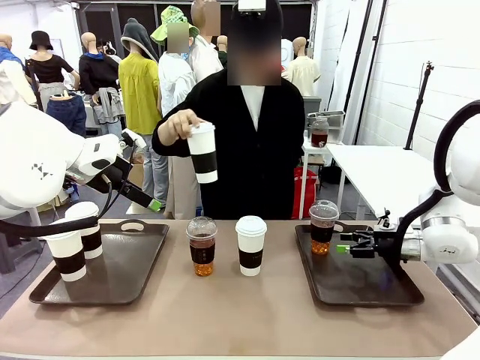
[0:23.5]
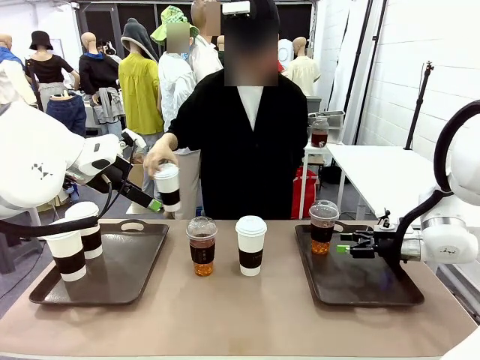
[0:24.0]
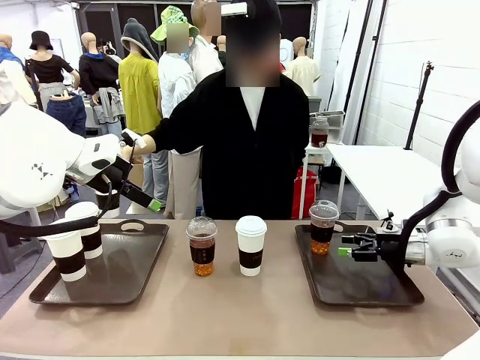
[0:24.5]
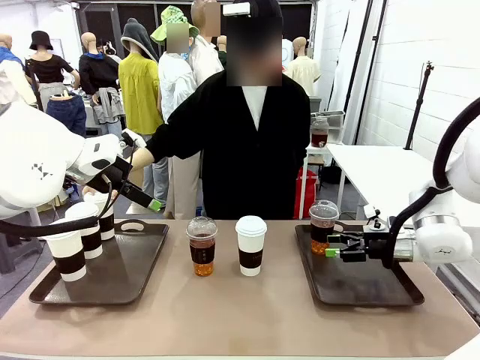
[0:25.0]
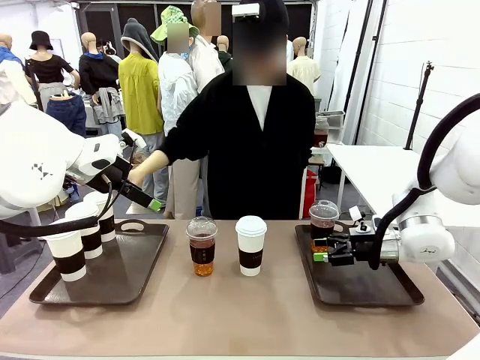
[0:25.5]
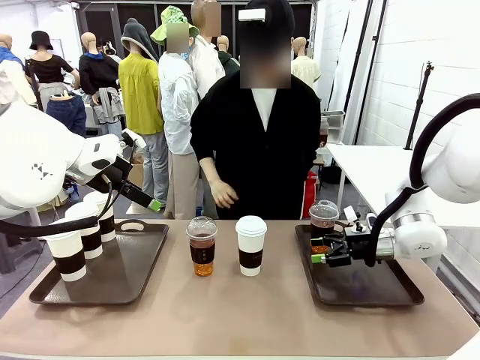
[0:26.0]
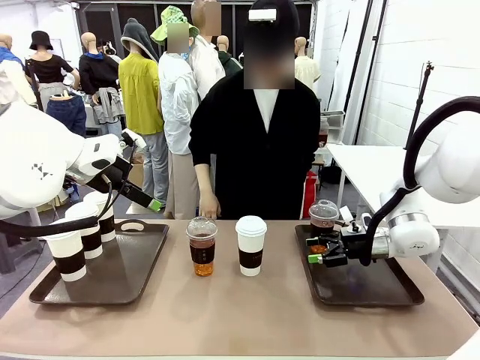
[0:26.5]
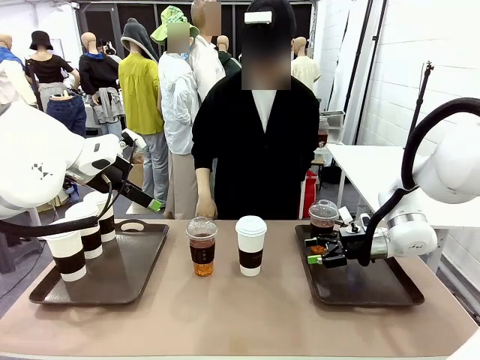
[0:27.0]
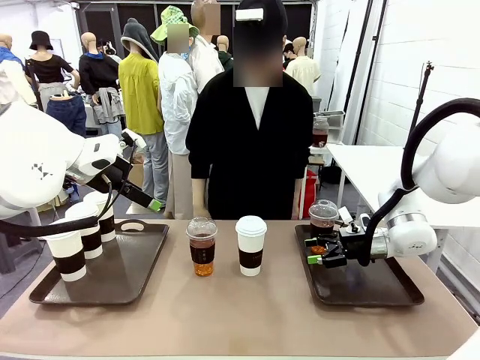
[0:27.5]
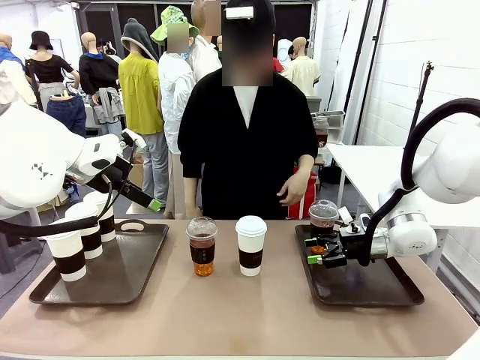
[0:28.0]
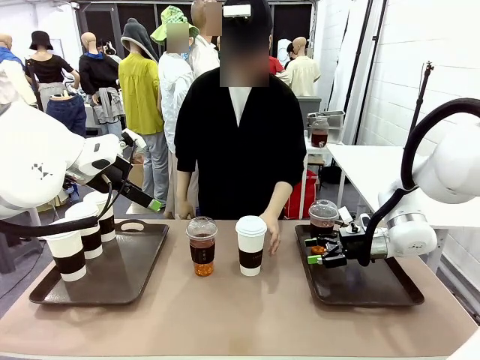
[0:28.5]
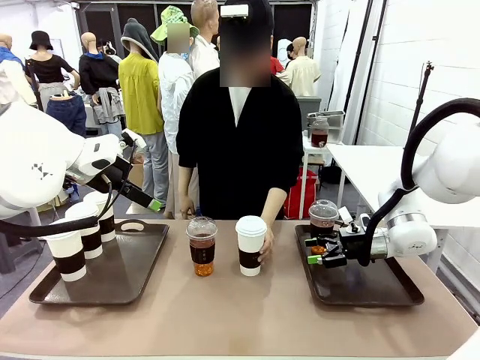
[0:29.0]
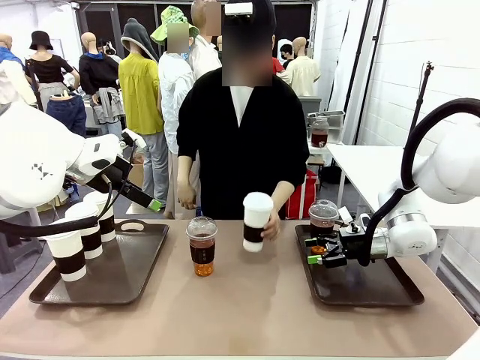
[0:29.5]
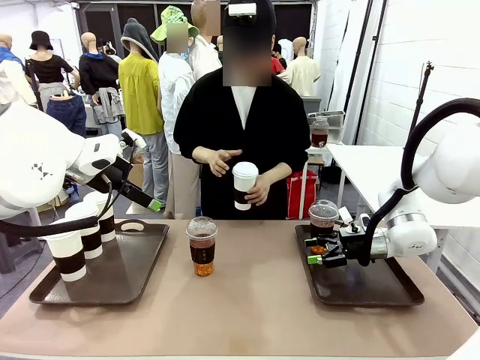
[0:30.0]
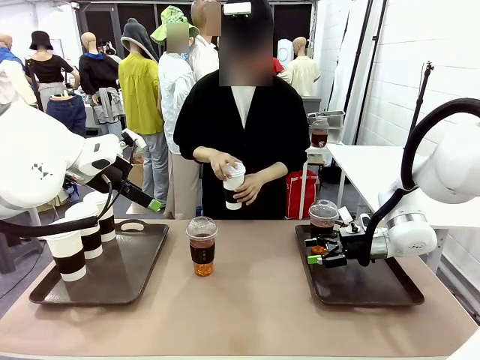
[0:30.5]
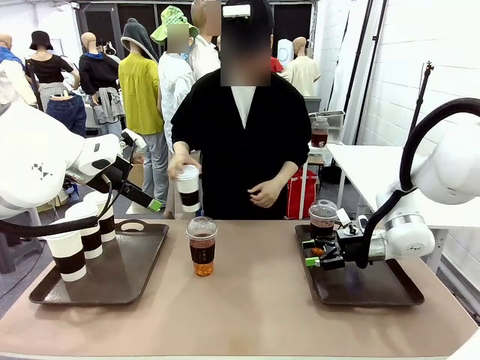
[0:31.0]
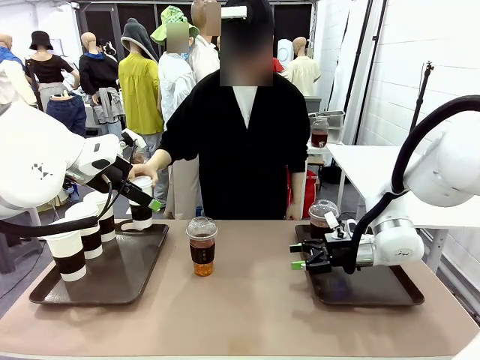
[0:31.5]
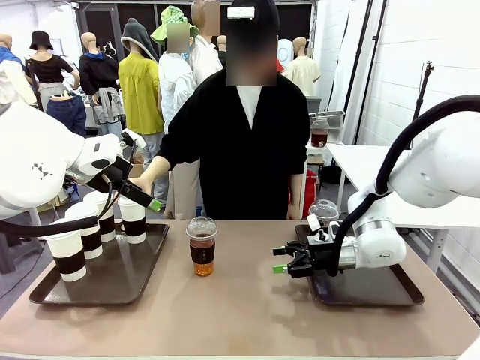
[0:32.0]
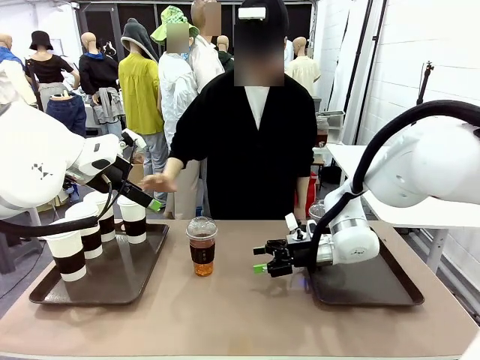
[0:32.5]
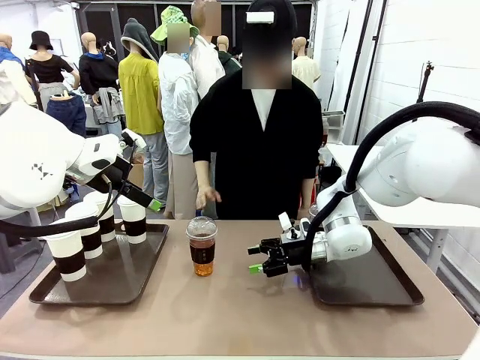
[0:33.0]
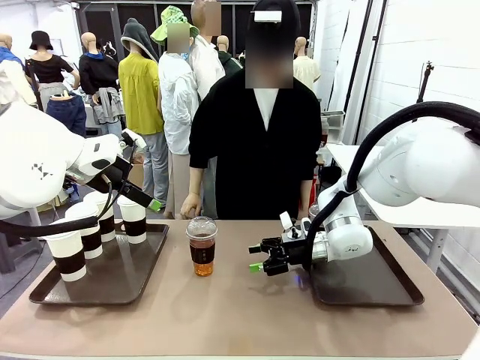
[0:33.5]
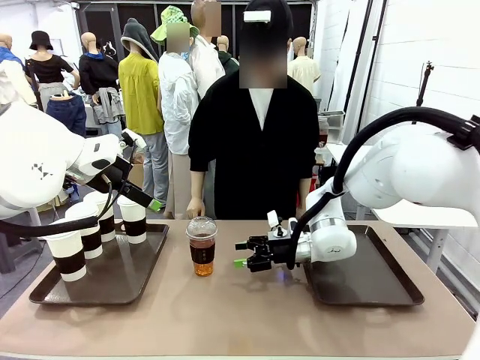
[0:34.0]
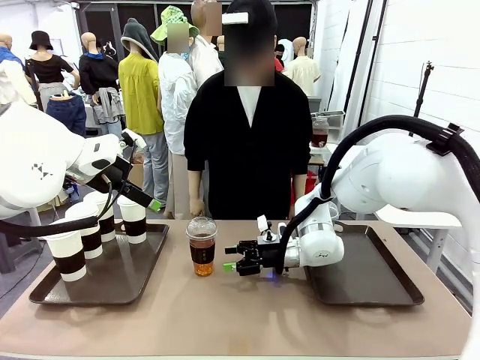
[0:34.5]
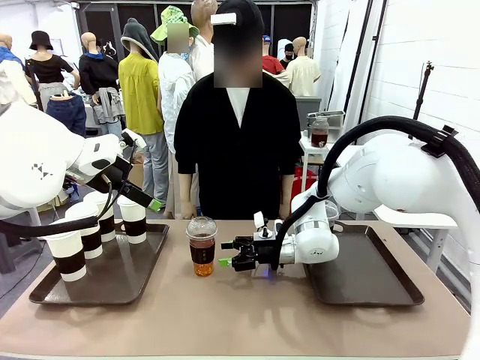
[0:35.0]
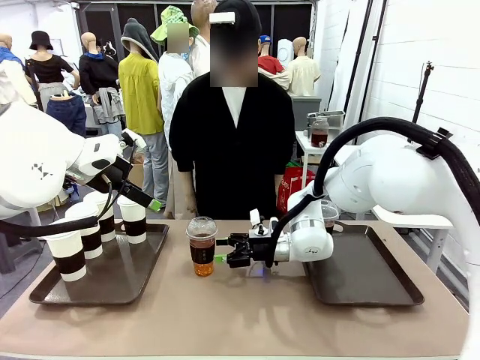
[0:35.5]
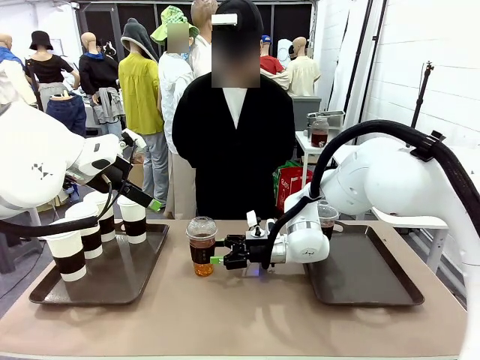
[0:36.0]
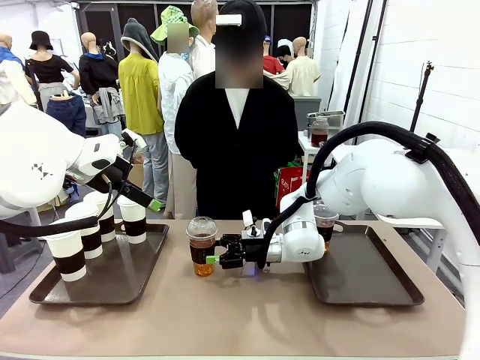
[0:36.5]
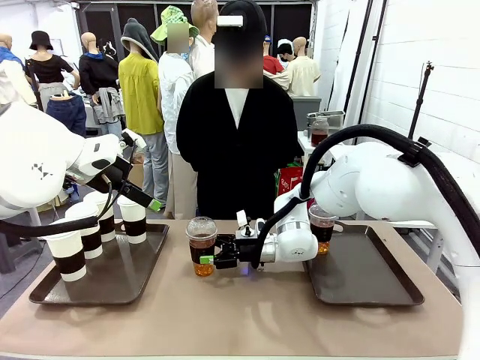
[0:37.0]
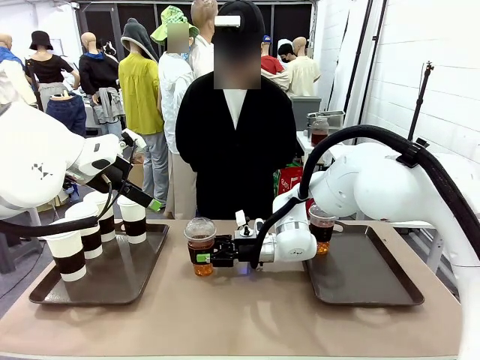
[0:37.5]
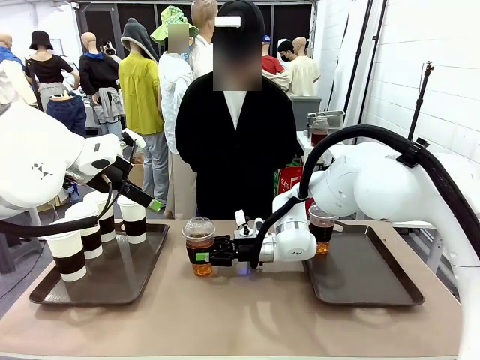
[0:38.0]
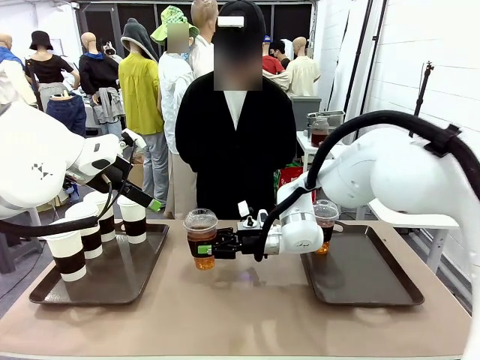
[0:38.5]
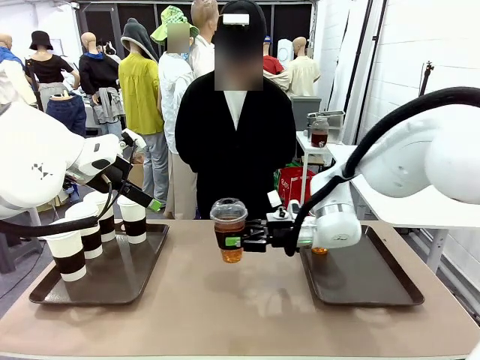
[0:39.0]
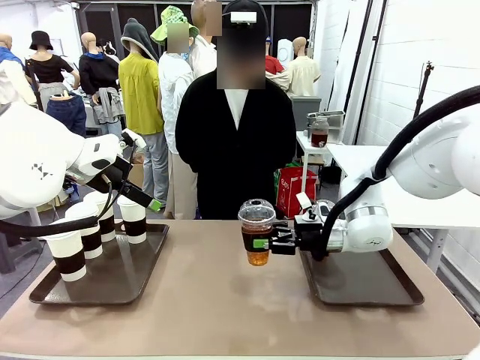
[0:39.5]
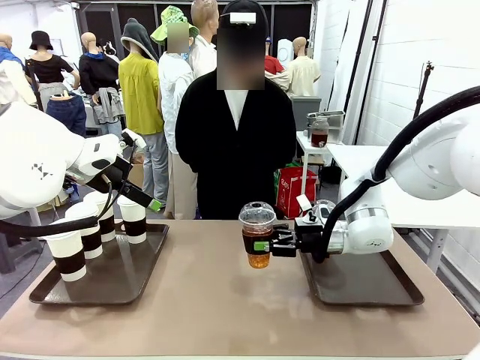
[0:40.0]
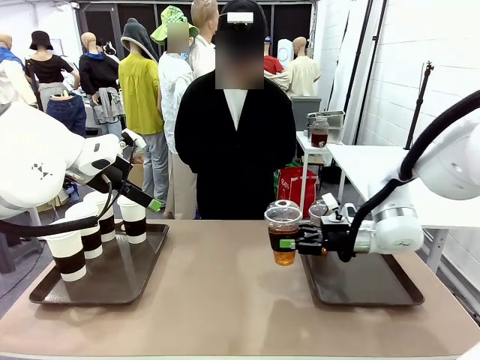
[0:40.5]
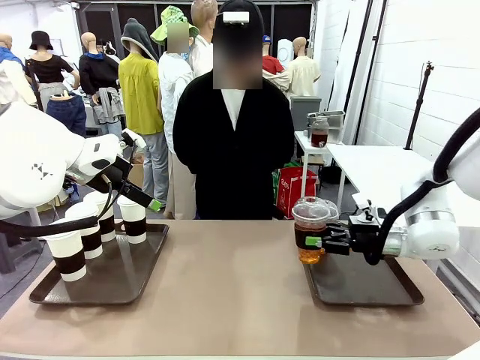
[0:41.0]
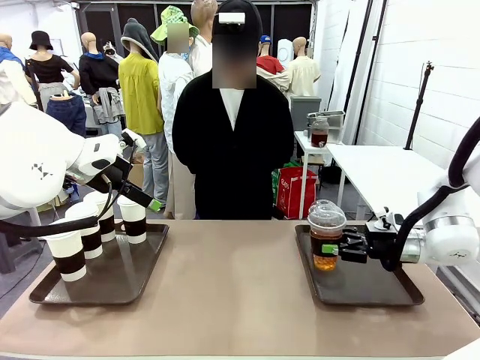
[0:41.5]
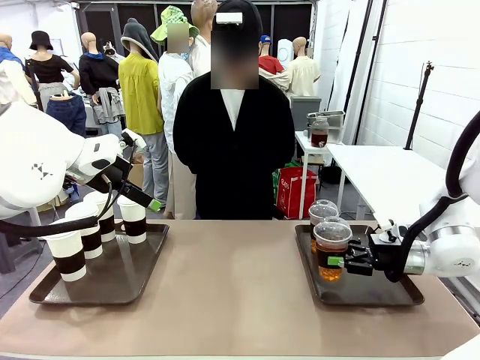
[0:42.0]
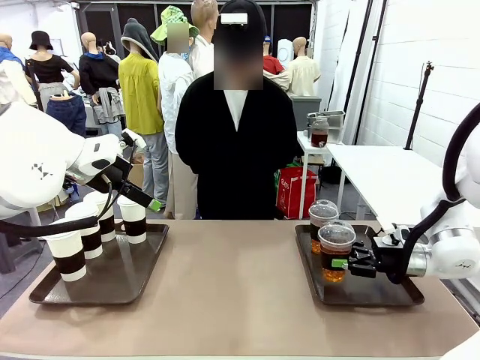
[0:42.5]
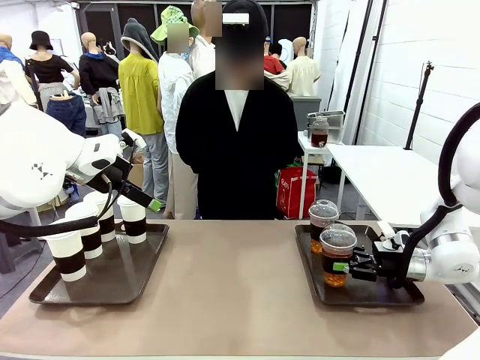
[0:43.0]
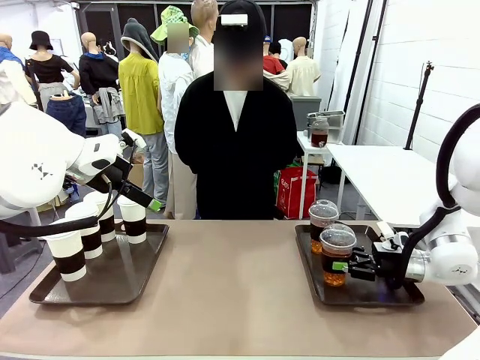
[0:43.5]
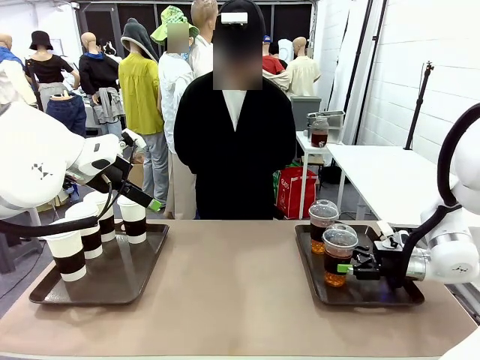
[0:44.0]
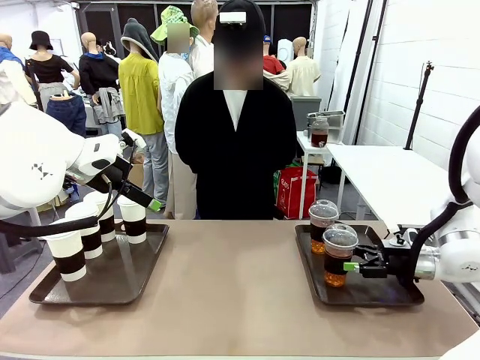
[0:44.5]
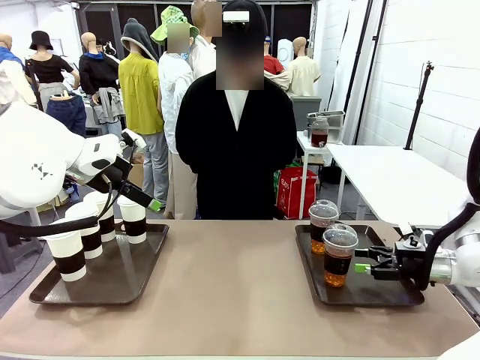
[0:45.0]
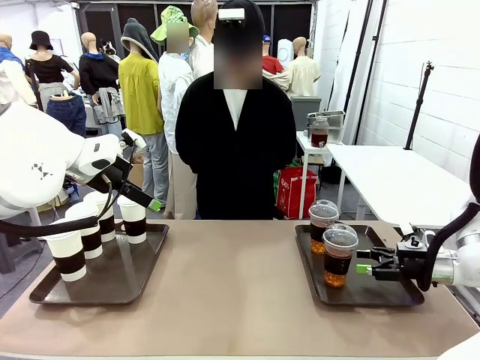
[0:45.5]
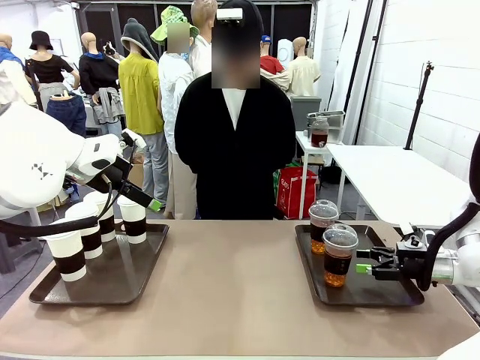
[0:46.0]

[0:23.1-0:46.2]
Task: Distribute the coffee onto the tray.
Robot: Pick up another iced Americano from the middle of the table and place it on the right Handle tray.
Person: Pick up a cup of hot Americano from the middle of the table and place it on the right tray.

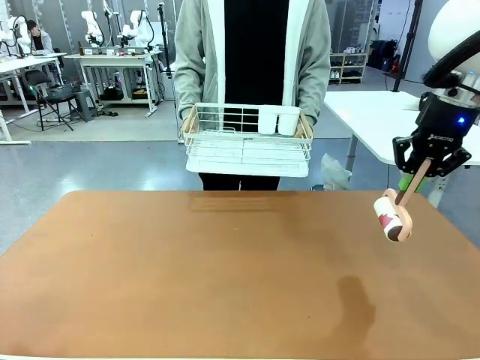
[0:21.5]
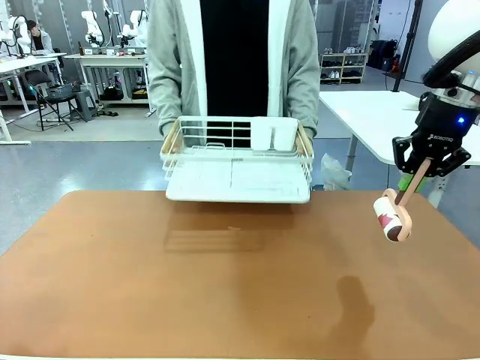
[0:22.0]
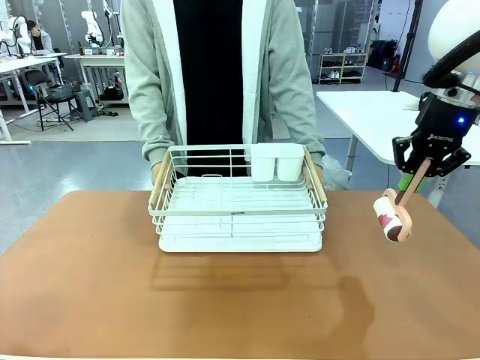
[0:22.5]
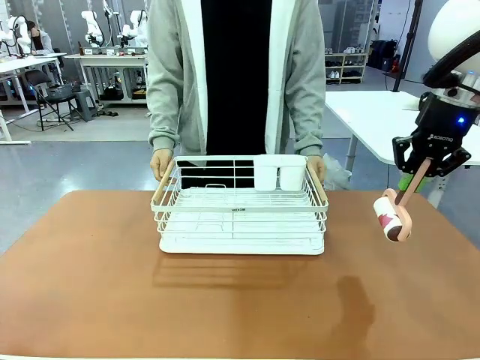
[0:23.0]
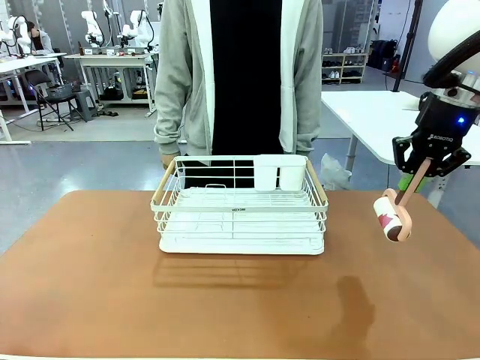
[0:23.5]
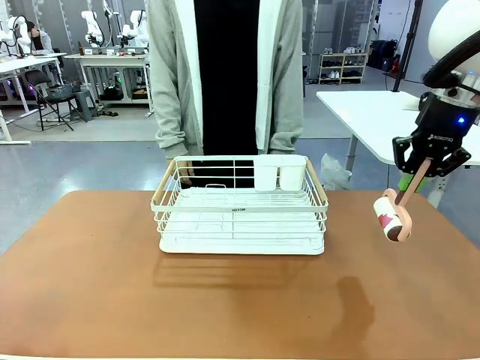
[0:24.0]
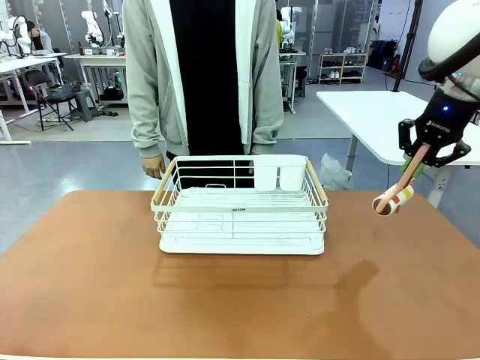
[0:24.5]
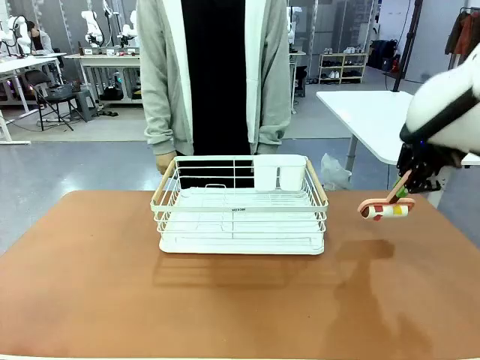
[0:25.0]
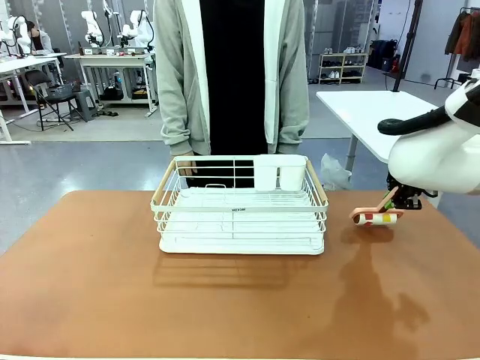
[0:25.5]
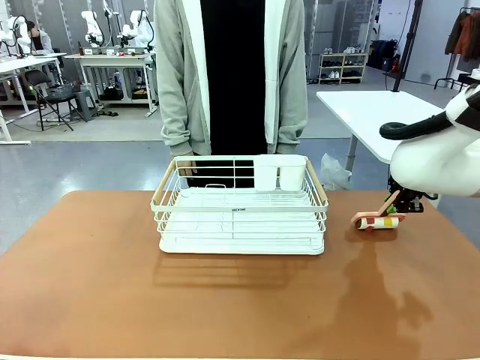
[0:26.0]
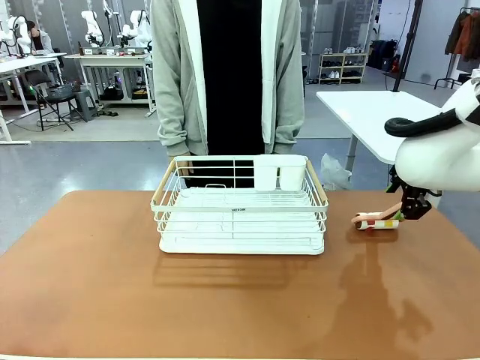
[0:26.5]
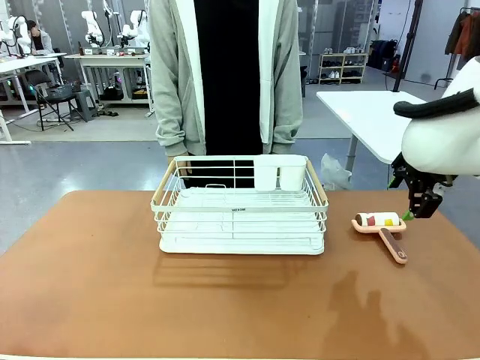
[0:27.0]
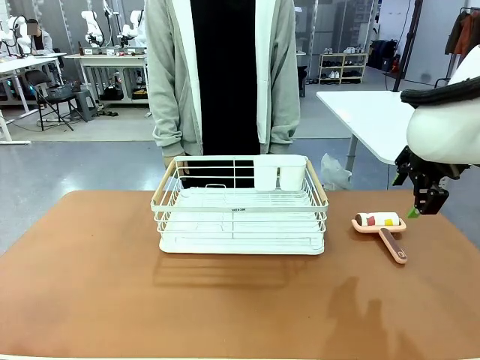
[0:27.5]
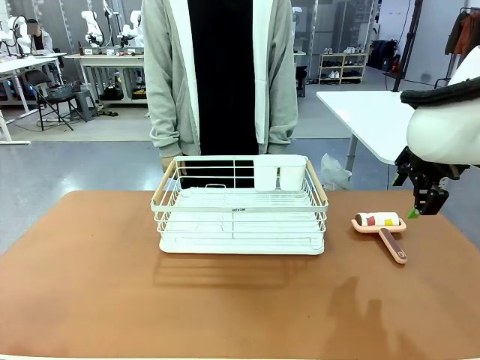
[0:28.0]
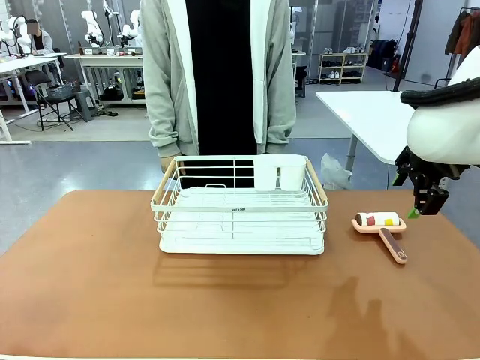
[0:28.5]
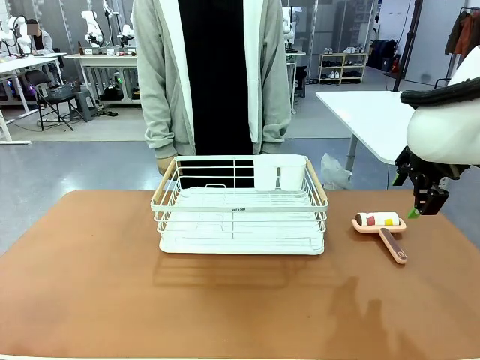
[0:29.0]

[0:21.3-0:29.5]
Task: Clean the table.
Robot: Place the Lint Roller down when the Dish drying rack is positioned in the middle of the table.
